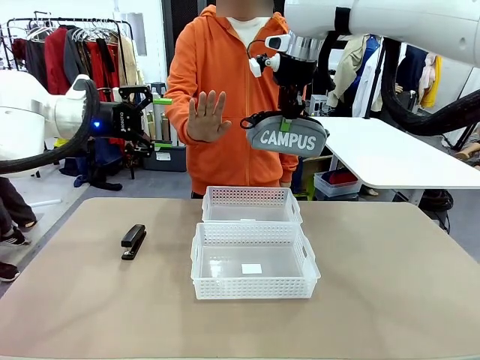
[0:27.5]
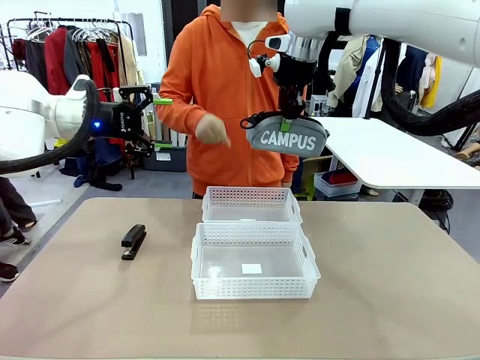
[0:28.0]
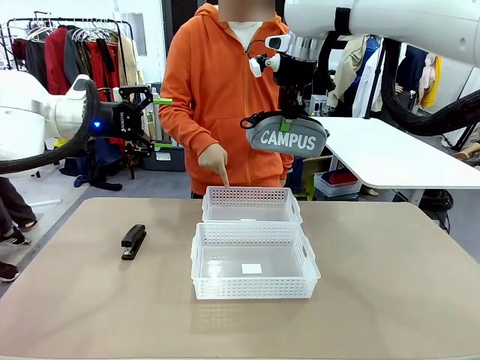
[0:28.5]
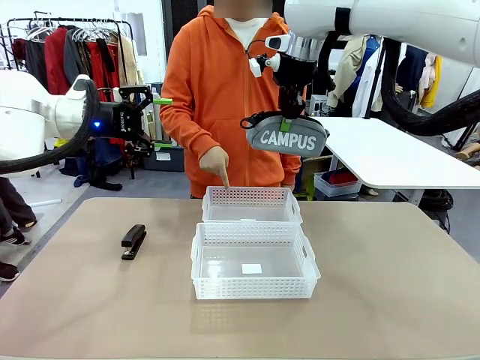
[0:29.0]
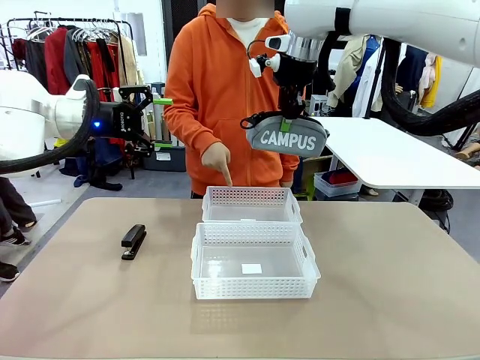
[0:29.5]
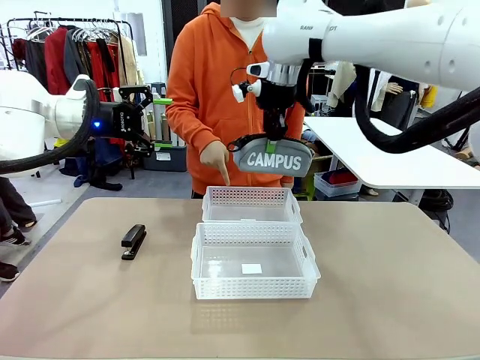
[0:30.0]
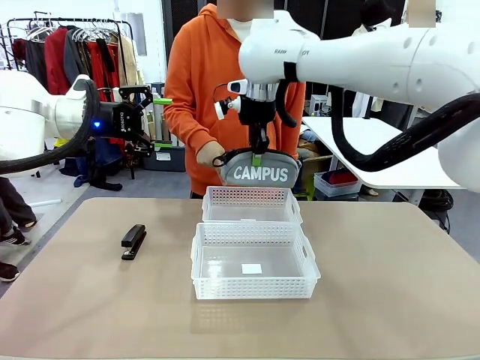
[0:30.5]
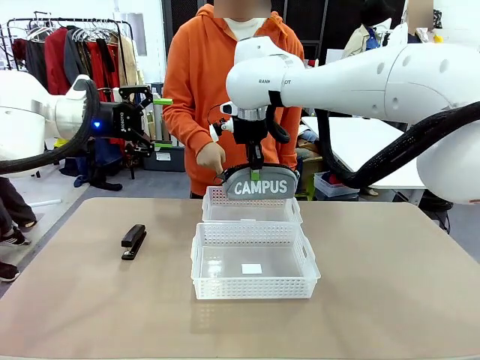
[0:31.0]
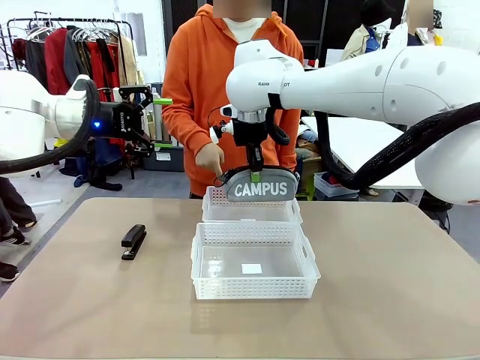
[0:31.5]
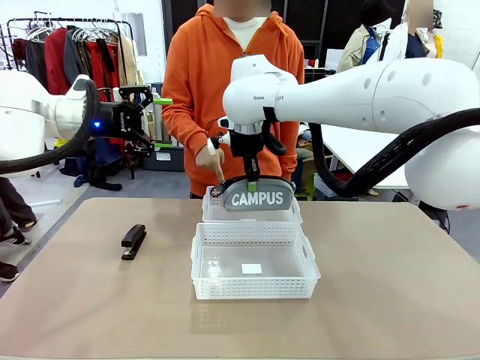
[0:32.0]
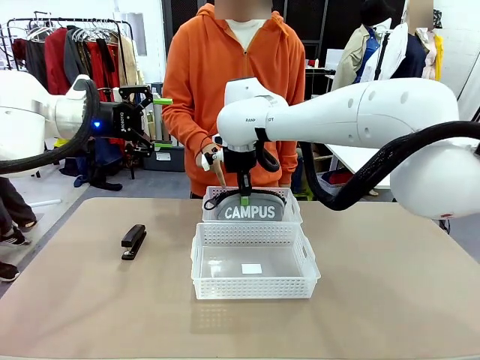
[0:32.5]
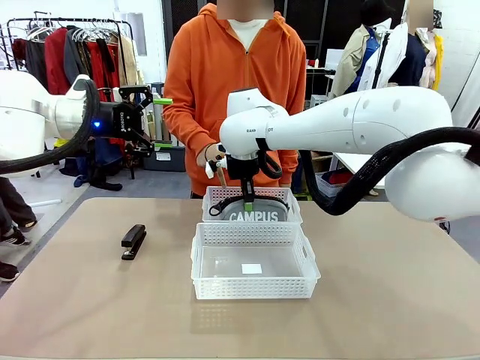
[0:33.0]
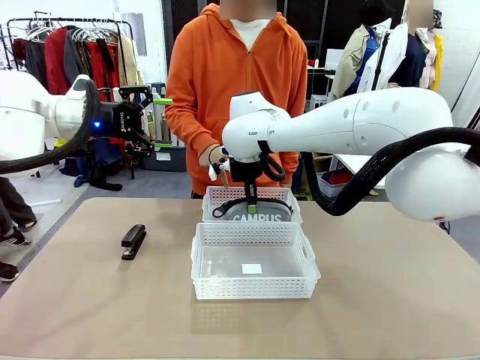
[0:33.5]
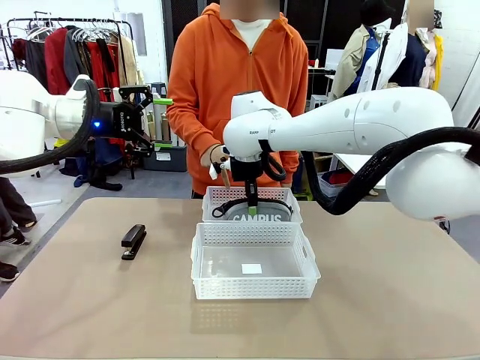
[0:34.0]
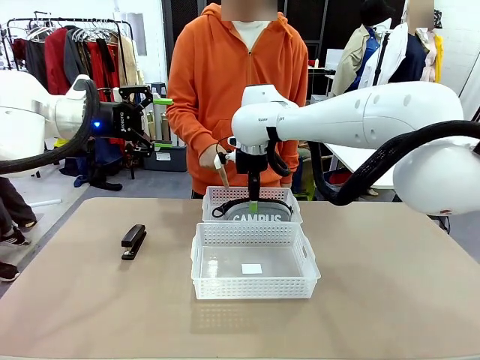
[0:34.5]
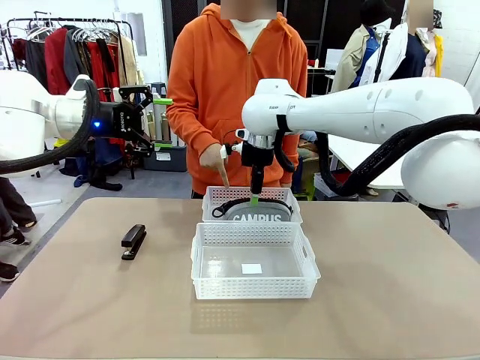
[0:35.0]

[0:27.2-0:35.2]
Task: Distribute items into two baskets.
Robot: Place the picked Pencil pouch into the Organizing basket as instructed by the person.
Person: Instructs the robot to place the pencil case into the opposite basket.

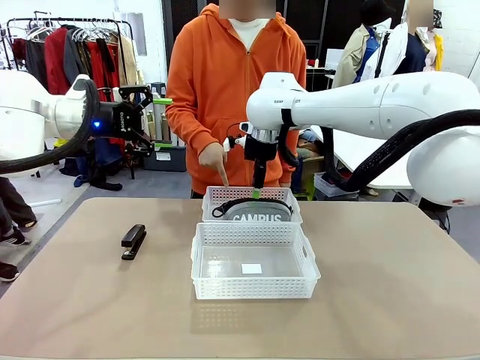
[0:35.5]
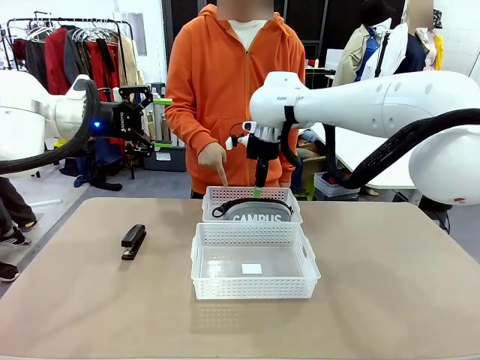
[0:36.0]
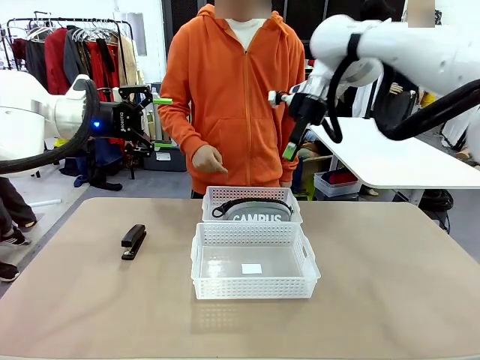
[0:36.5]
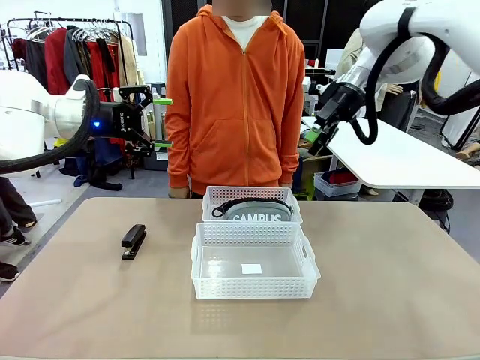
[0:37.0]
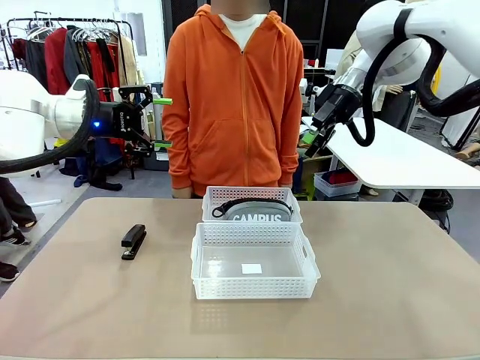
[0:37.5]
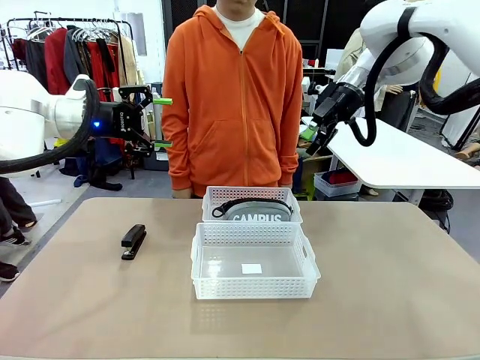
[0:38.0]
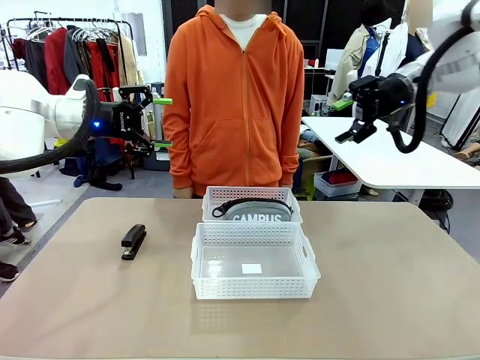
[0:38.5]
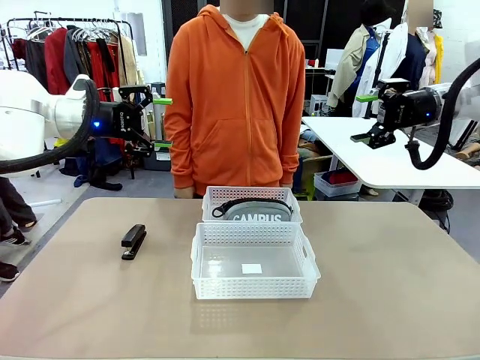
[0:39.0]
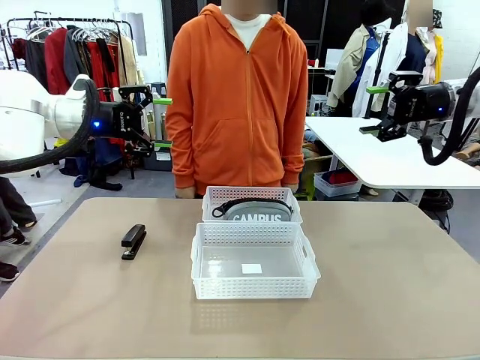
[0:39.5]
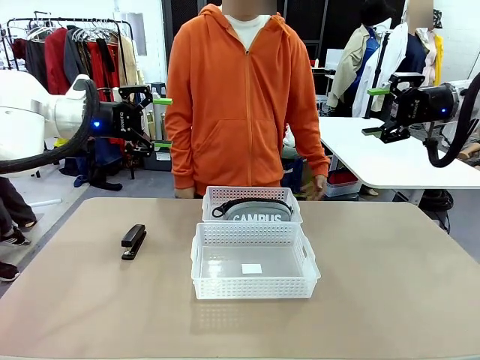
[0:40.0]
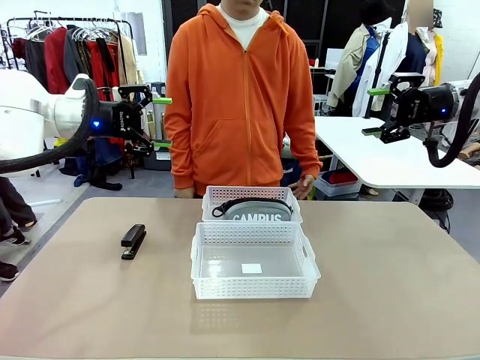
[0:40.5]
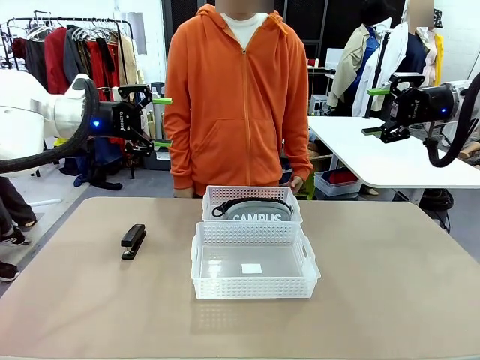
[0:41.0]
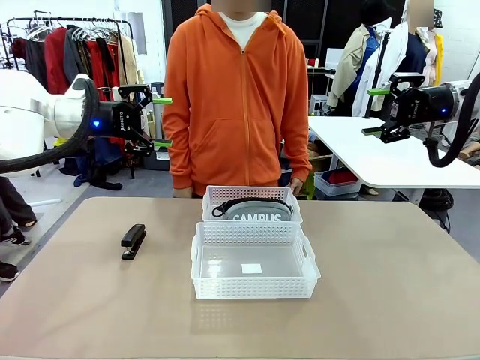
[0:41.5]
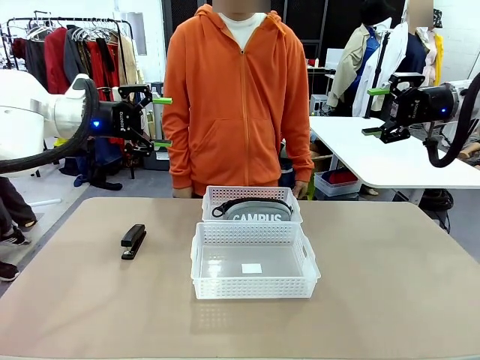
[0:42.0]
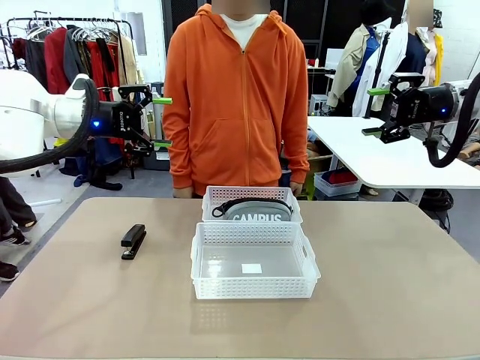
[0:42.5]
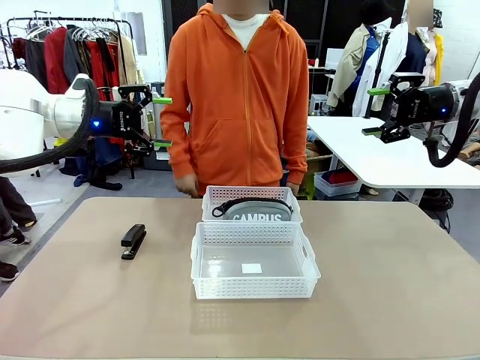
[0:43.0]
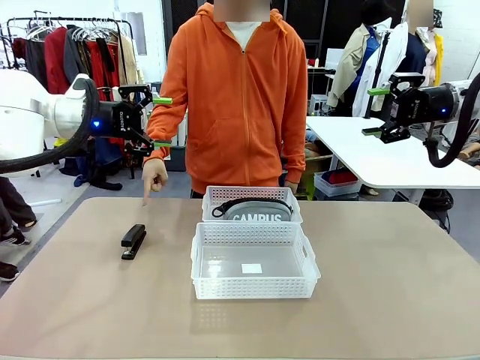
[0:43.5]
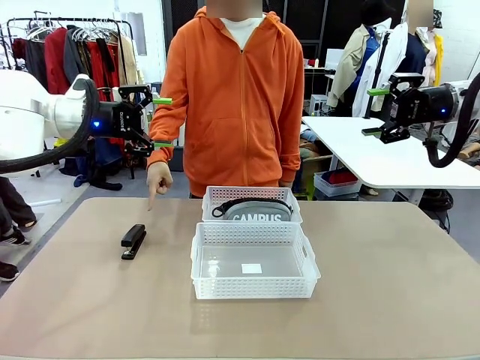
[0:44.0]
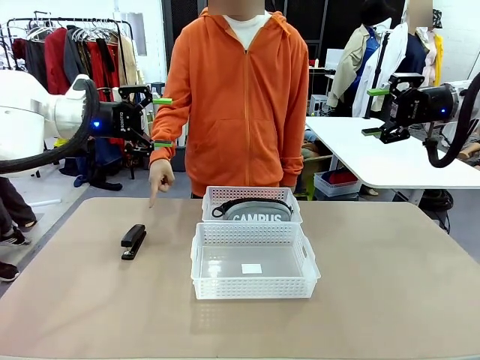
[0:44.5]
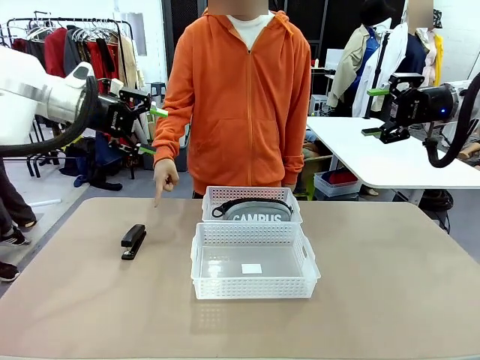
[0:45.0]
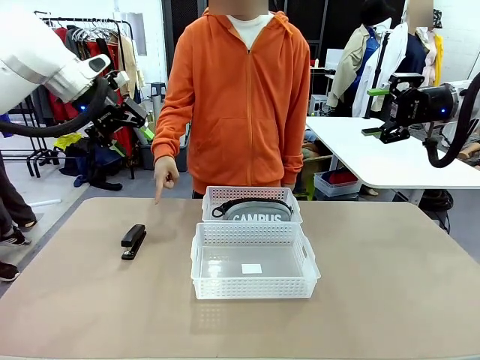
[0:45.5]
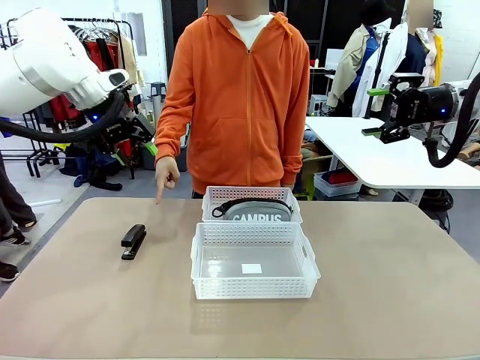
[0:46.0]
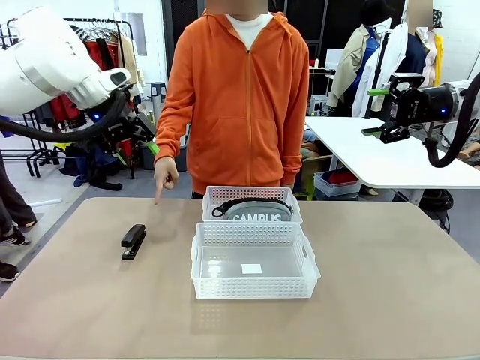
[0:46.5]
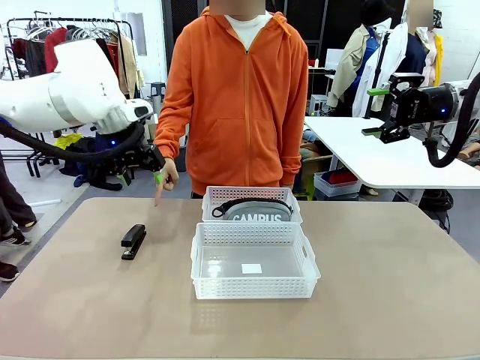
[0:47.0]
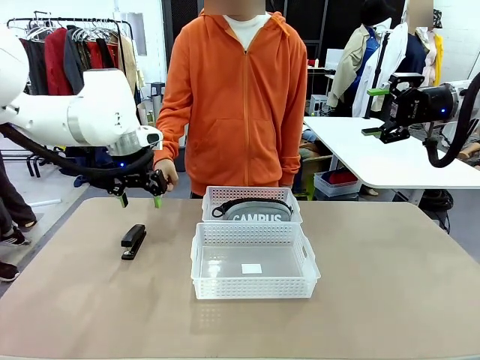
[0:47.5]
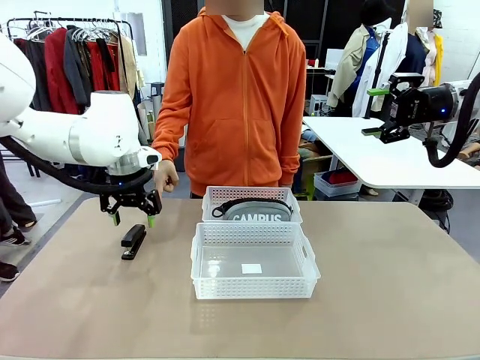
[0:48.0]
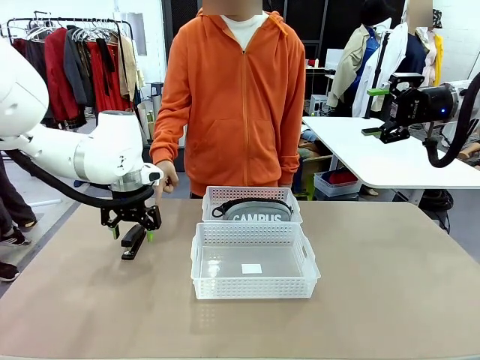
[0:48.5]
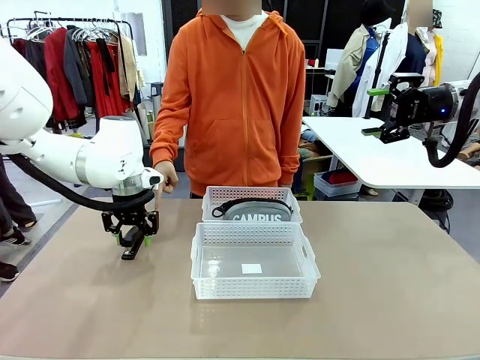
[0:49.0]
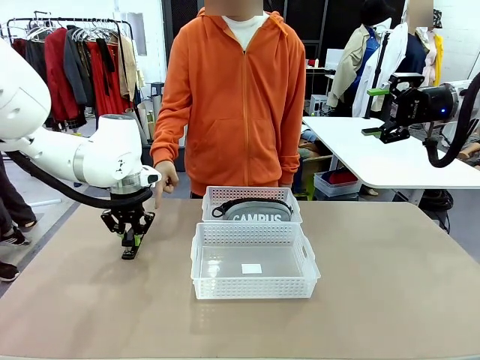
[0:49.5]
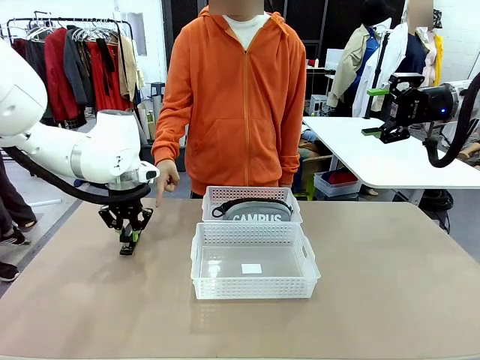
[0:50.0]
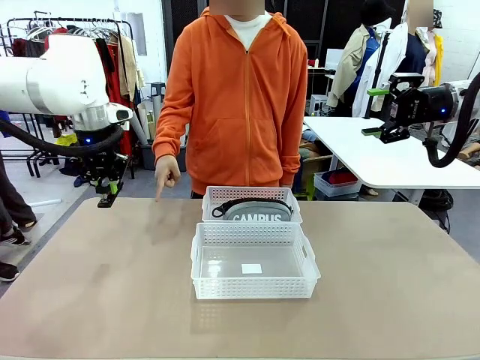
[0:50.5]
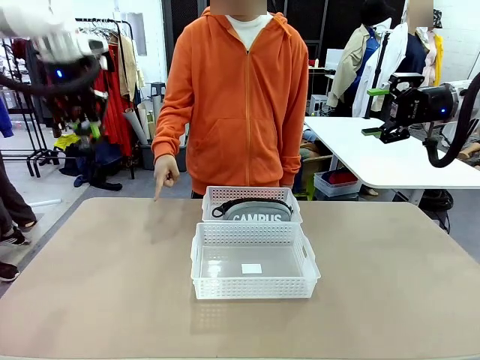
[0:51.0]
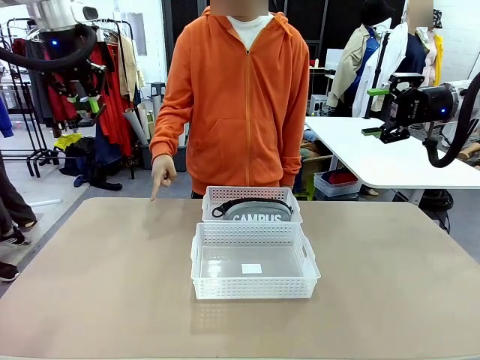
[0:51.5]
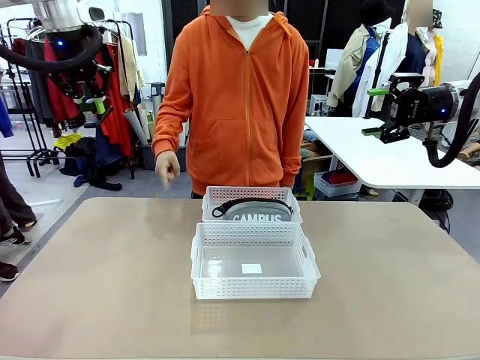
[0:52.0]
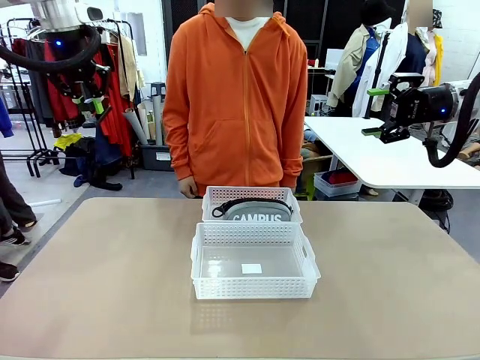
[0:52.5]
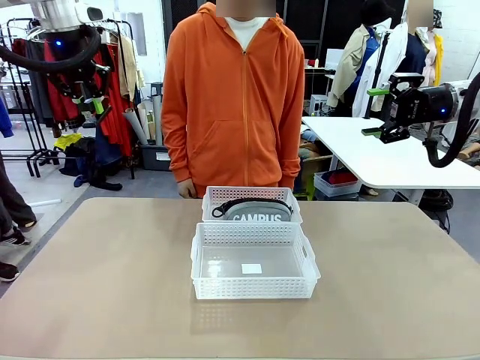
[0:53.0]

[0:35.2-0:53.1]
Robot: Pick up the Stapler that the person points to.
Person: Points to the stapler.
